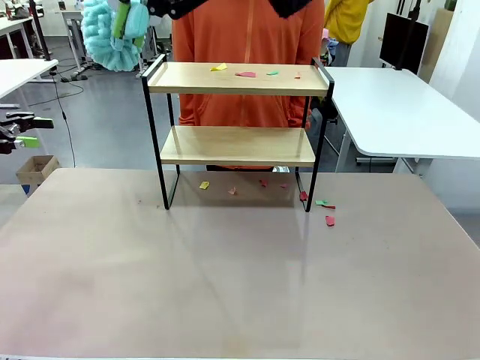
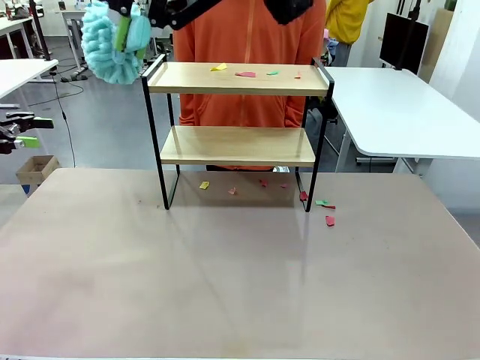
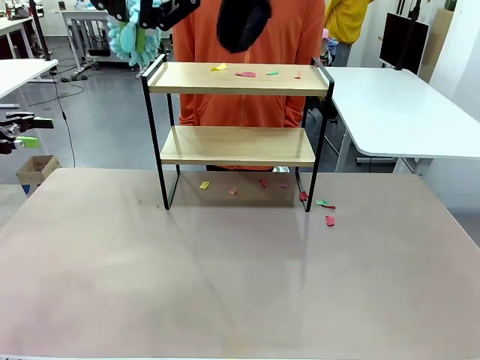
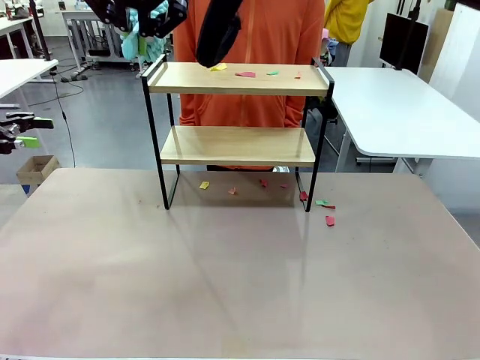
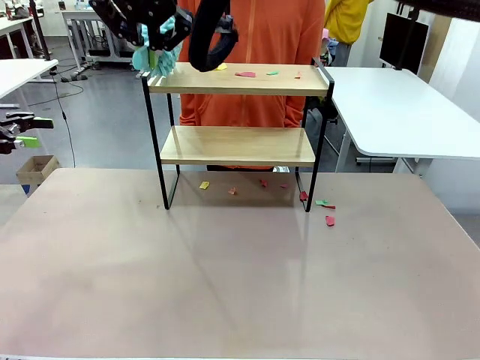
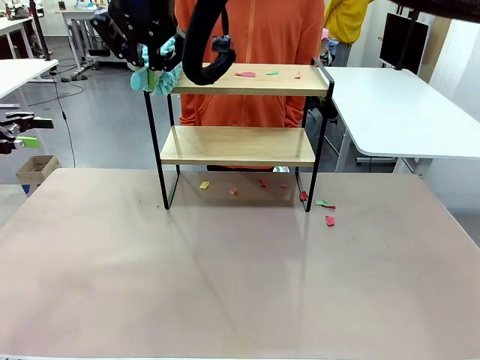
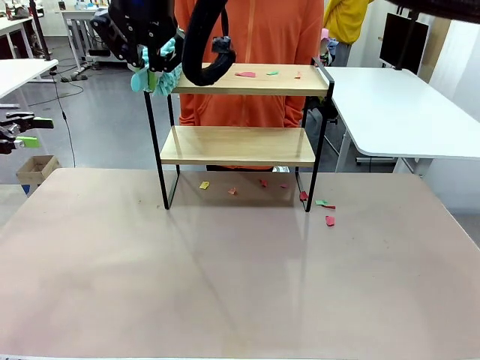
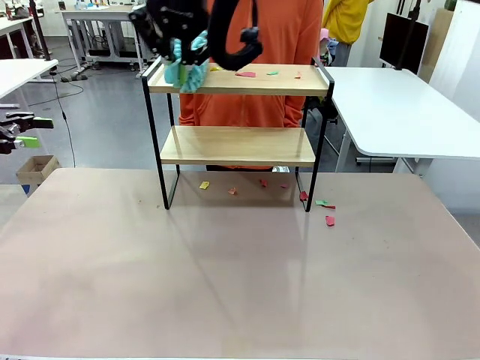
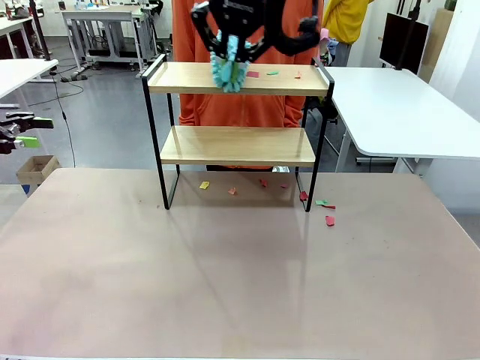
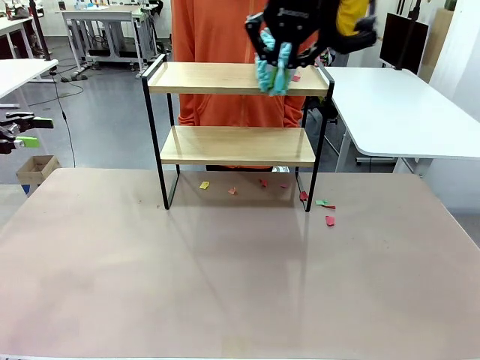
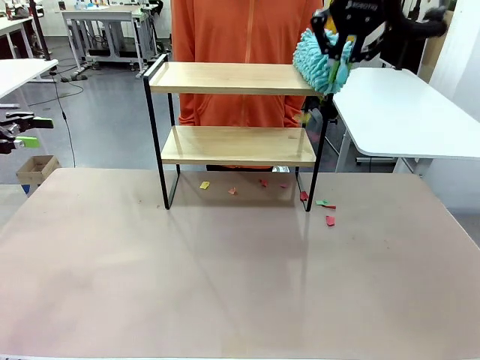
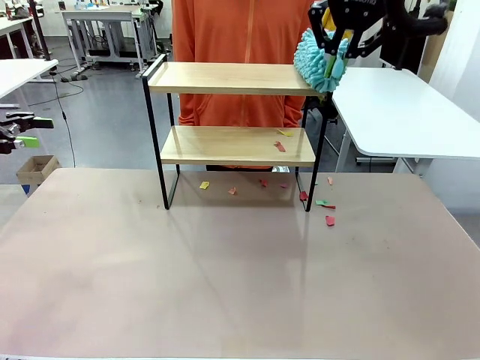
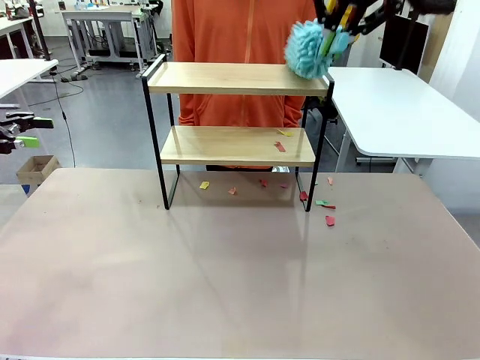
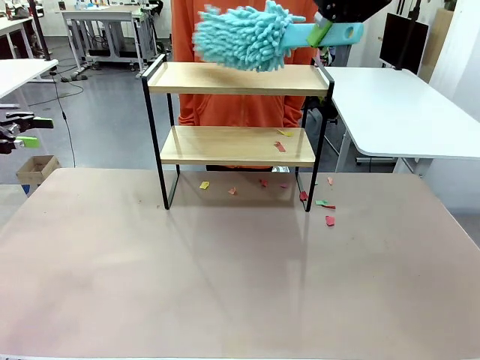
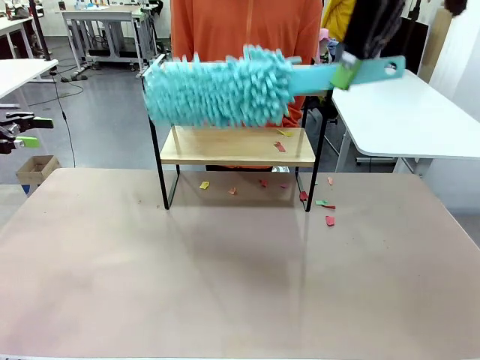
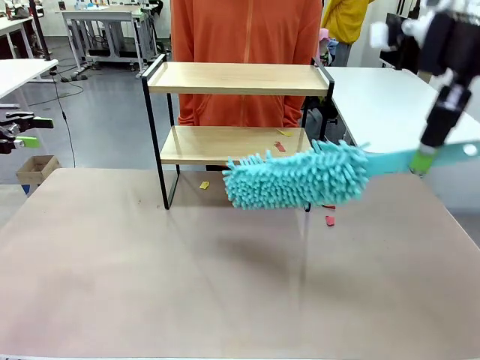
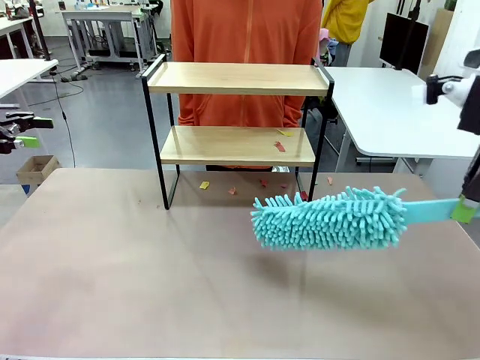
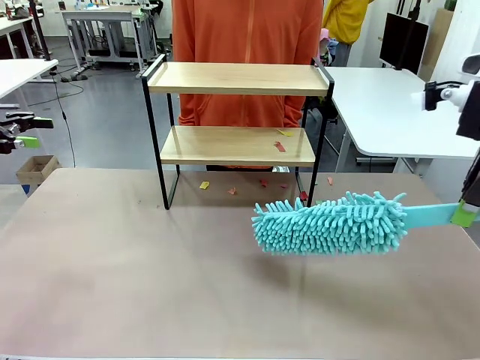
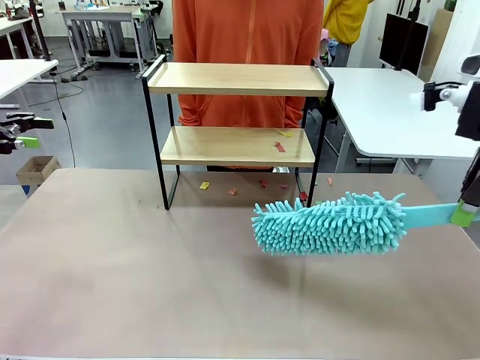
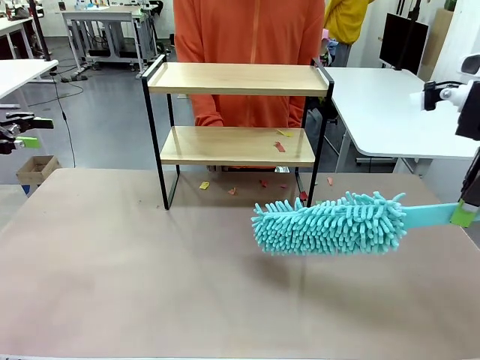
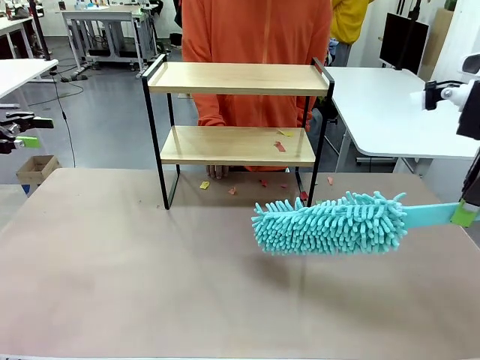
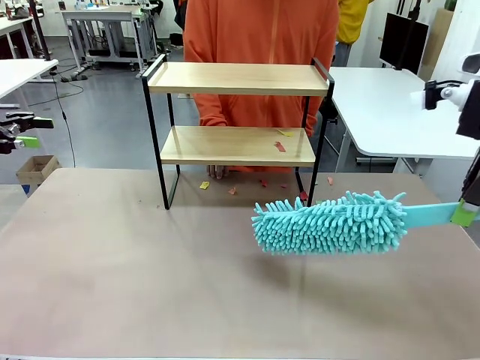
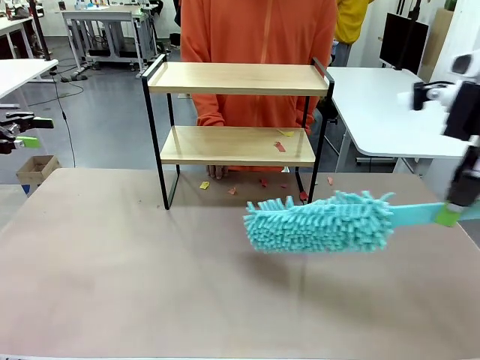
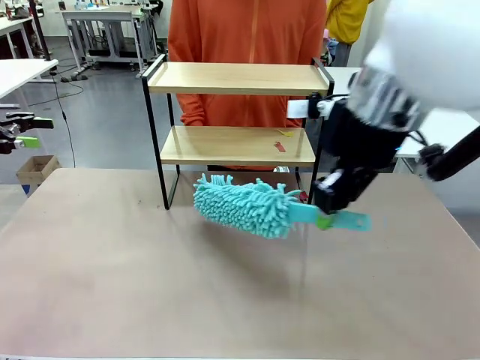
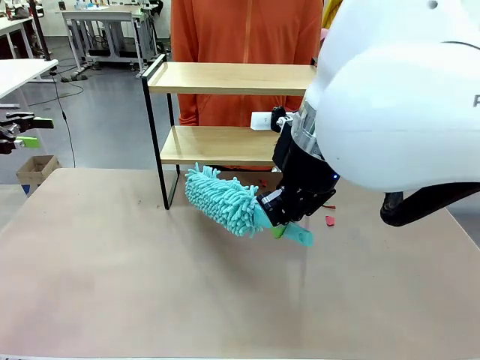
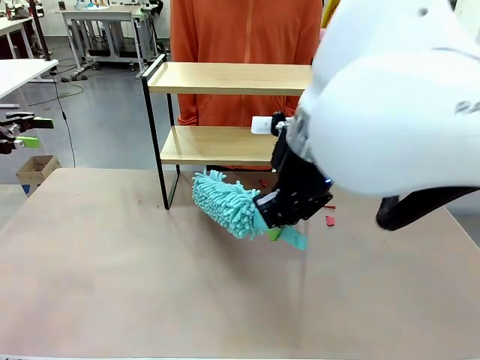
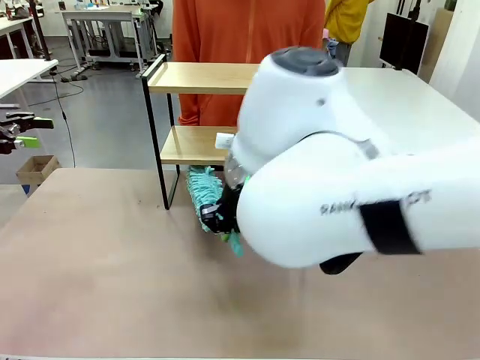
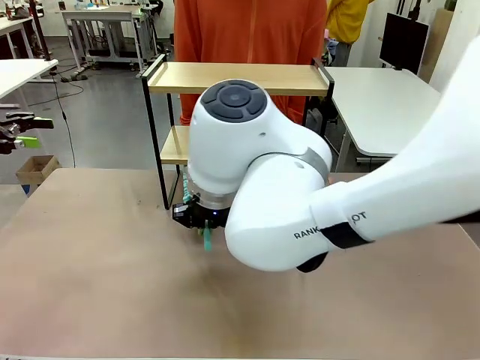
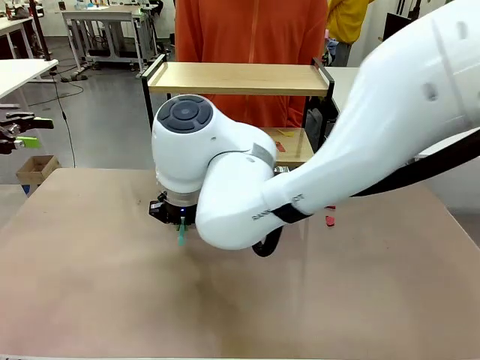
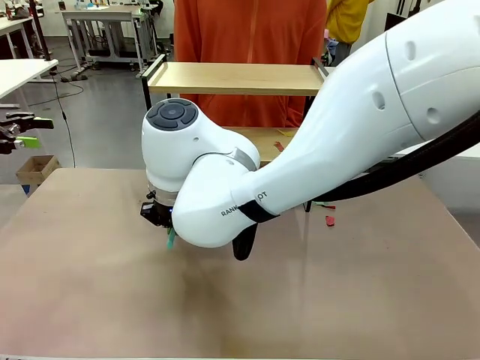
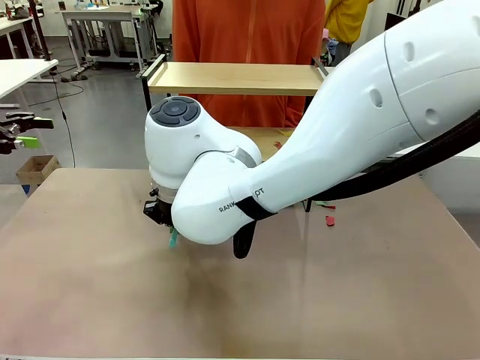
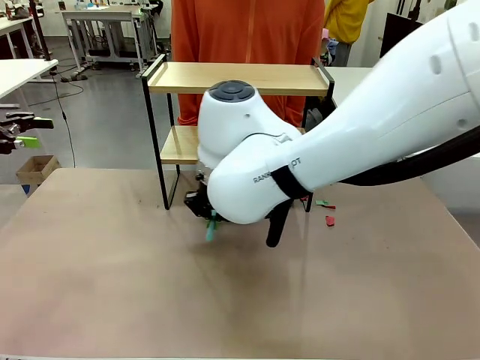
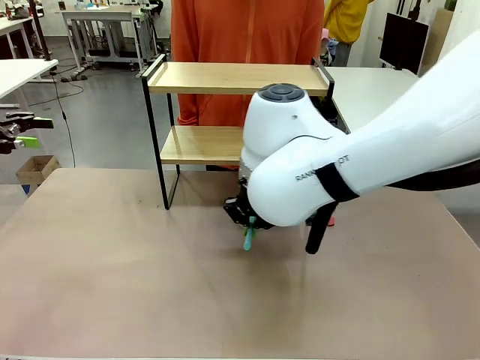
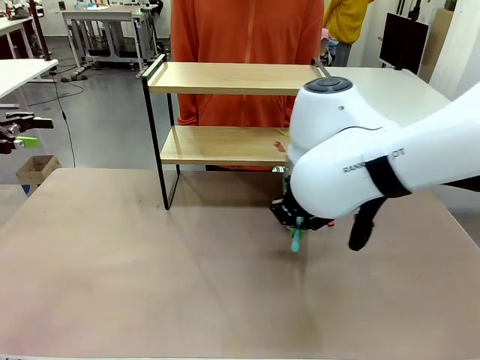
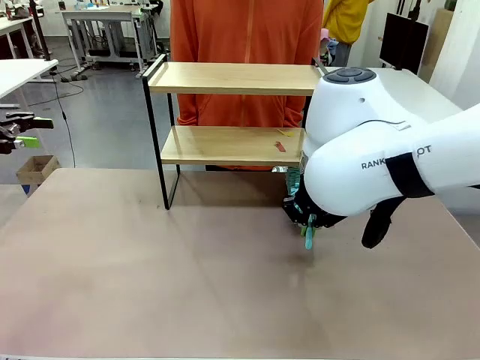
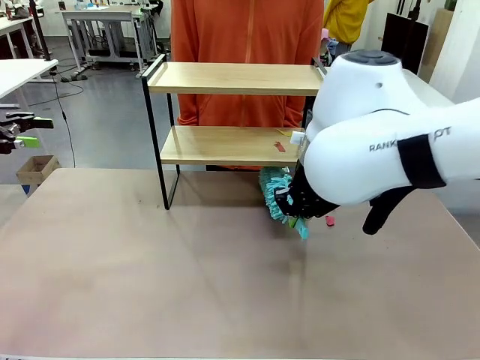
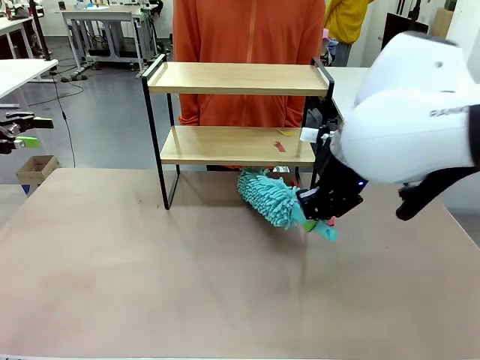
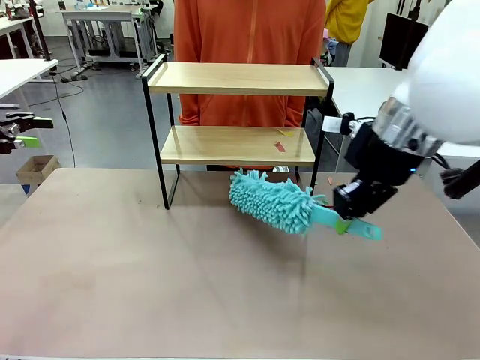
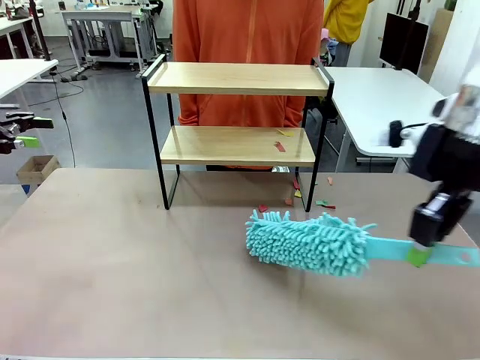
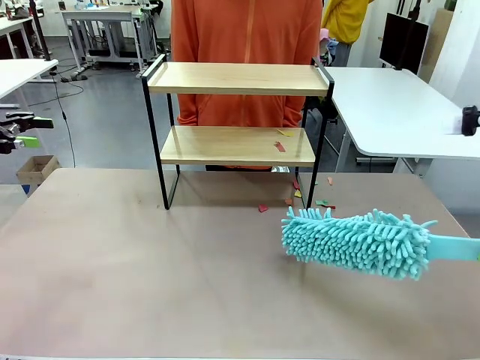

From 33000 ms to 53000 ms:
Task: Clean the shelf.
Robot: Clean the specific section of the Shelf indicated by the human with the Duster.
Person: Point a remaining section of the Shelf.

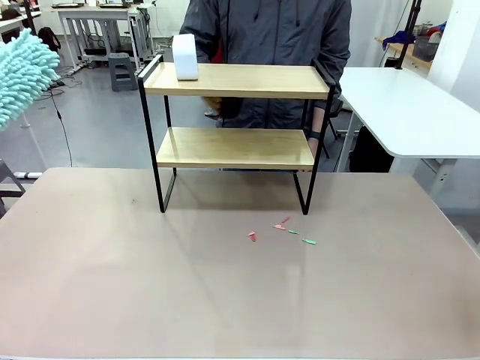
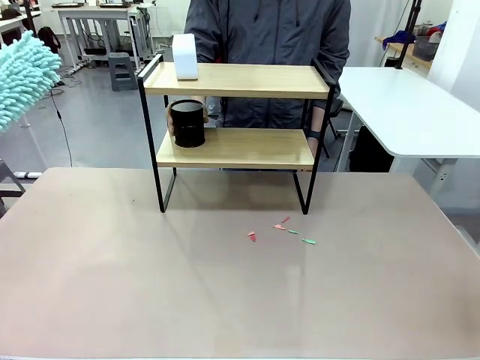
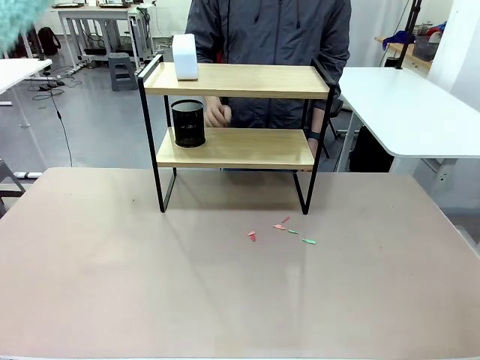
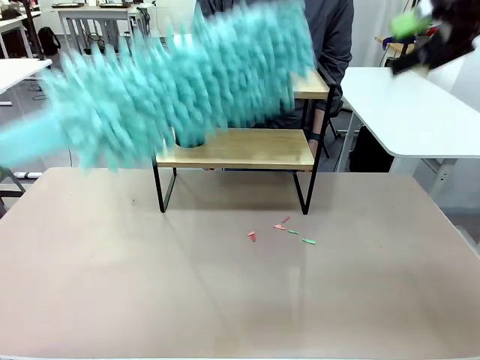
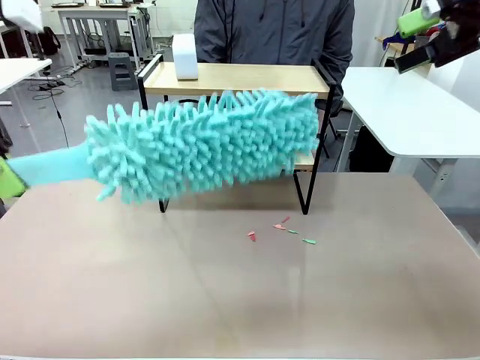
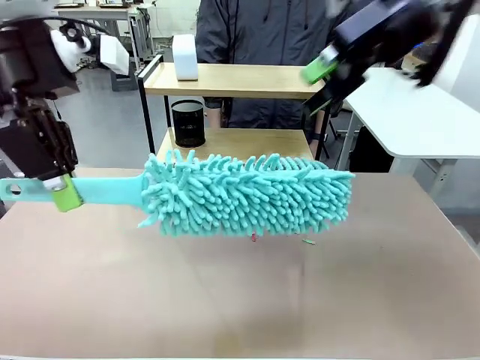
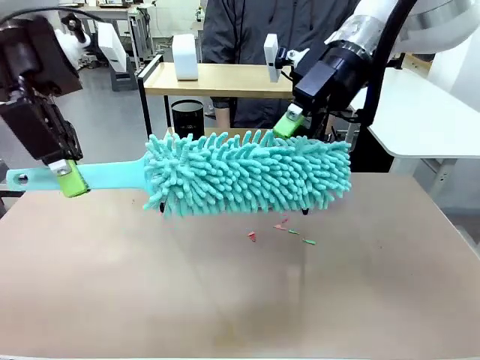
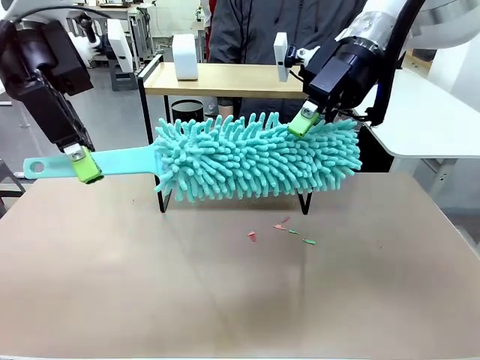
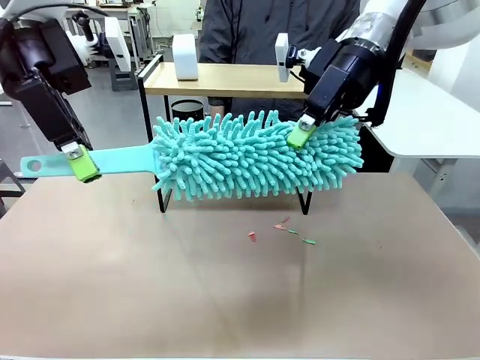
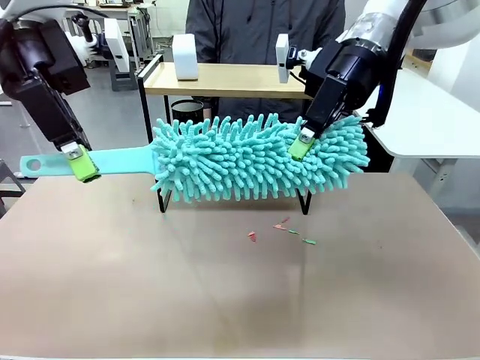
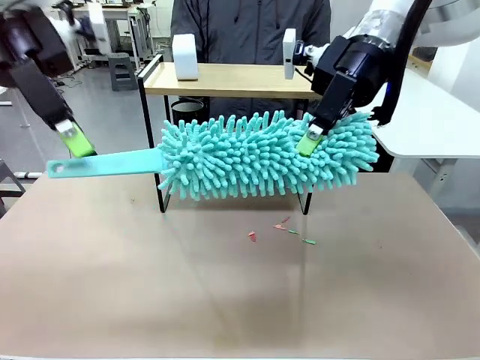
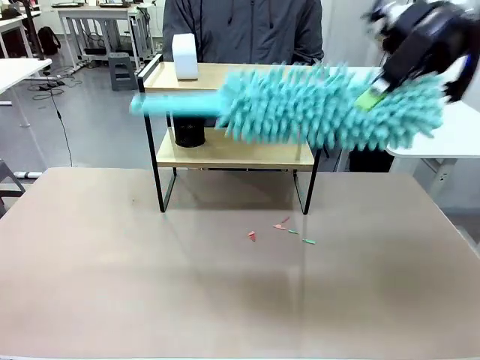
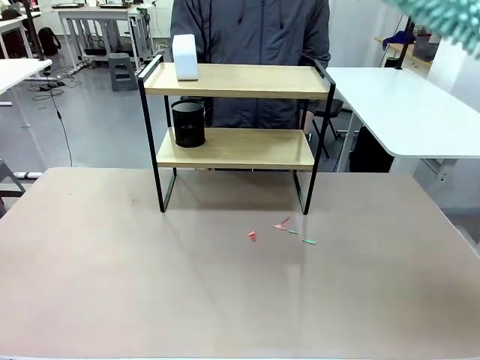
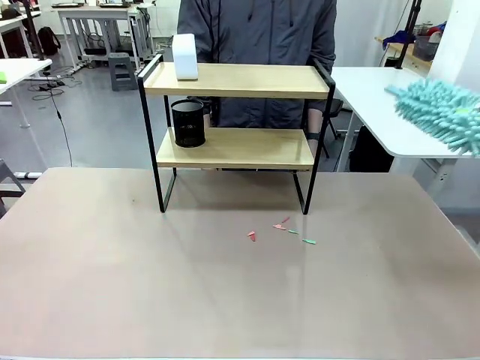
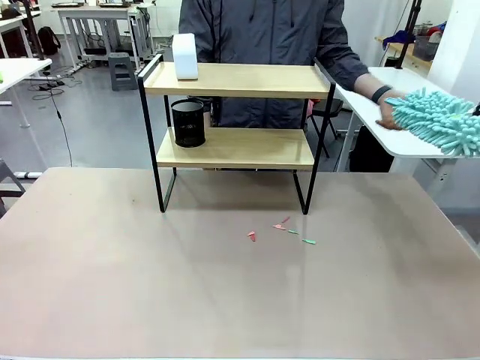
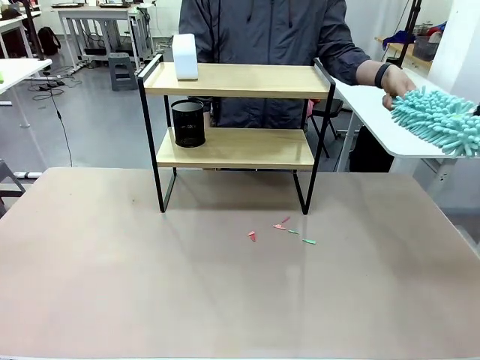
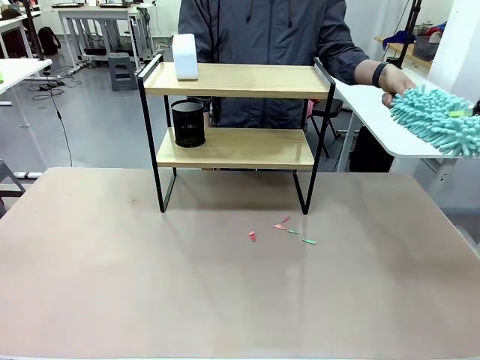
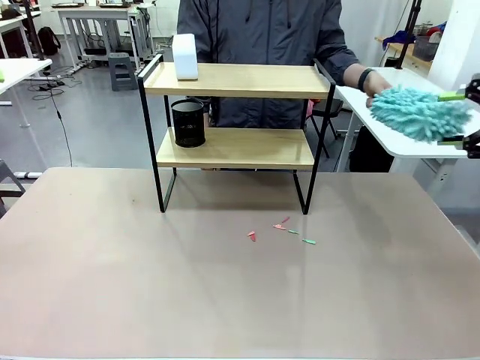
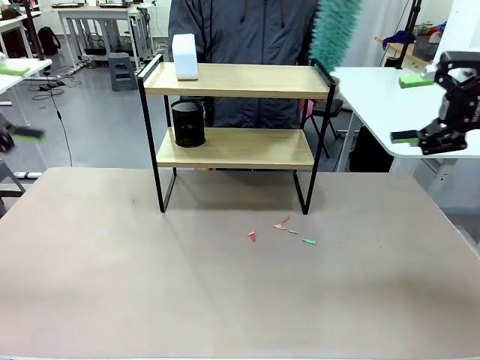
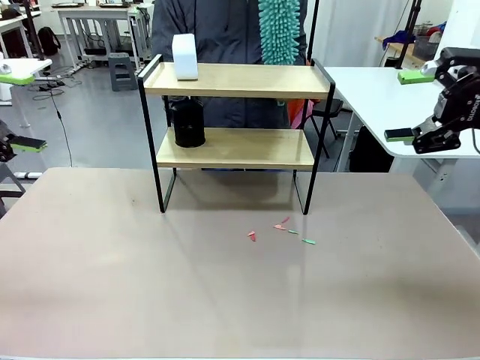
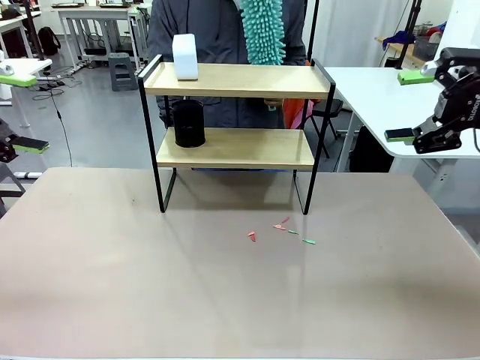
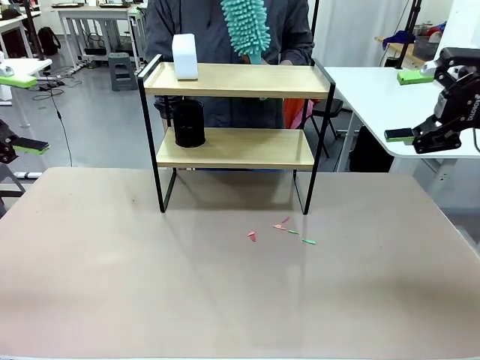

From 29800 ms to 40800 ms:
Task: Clean the shelf.
Robot: Hand the Duster back to the human.
